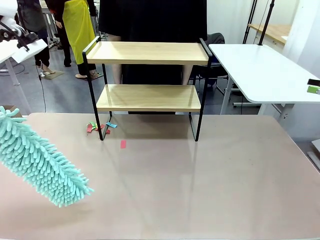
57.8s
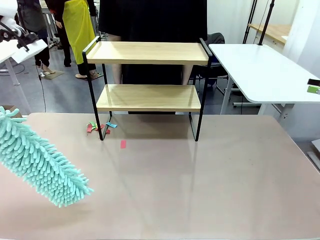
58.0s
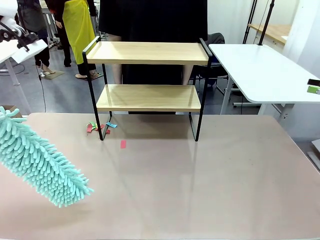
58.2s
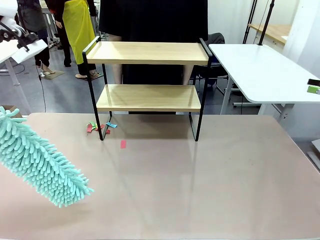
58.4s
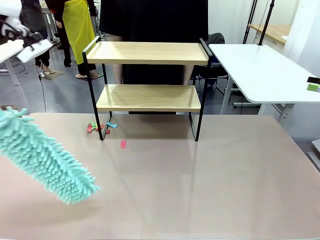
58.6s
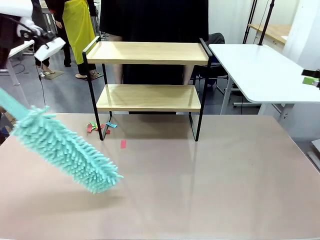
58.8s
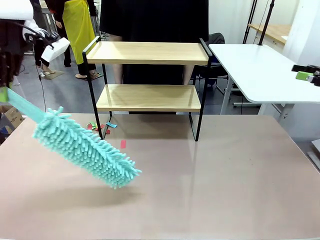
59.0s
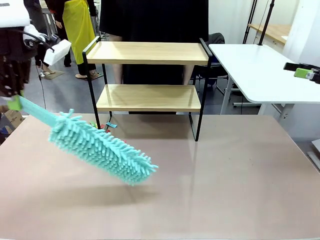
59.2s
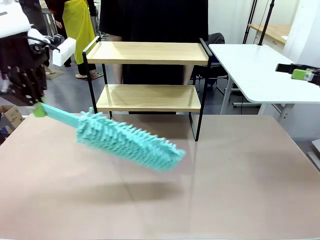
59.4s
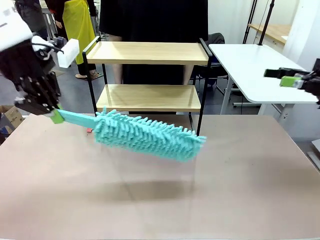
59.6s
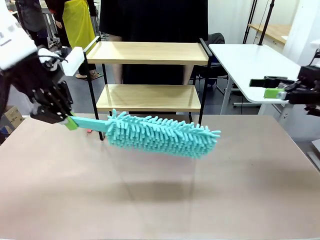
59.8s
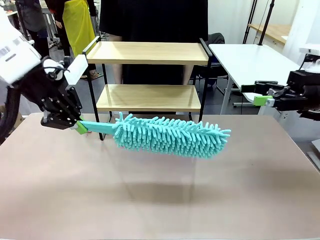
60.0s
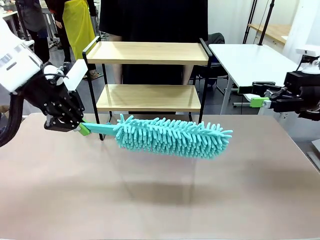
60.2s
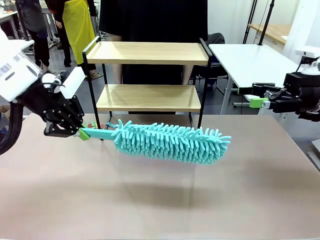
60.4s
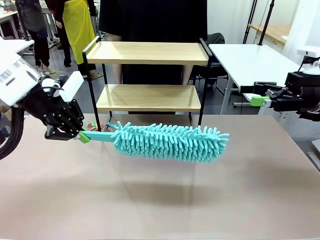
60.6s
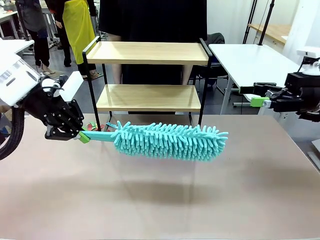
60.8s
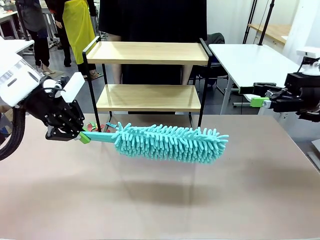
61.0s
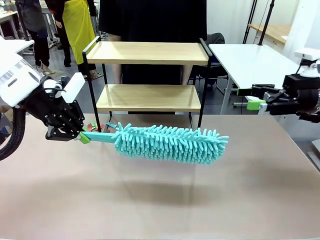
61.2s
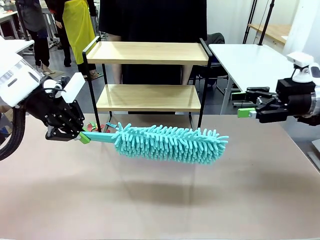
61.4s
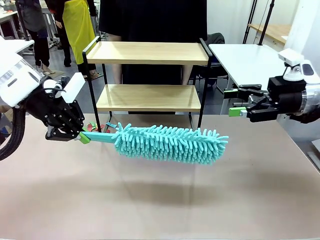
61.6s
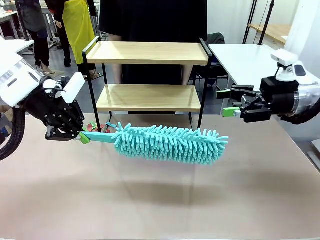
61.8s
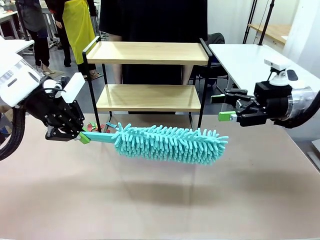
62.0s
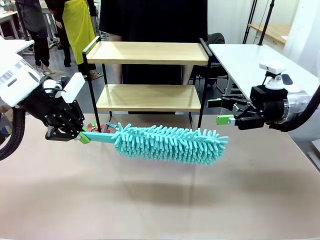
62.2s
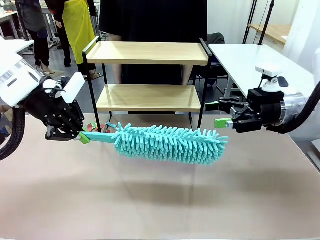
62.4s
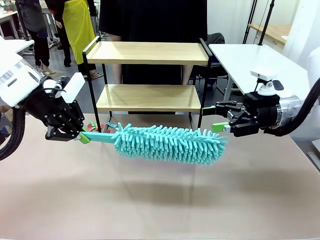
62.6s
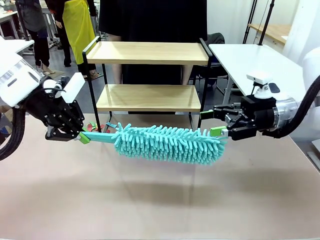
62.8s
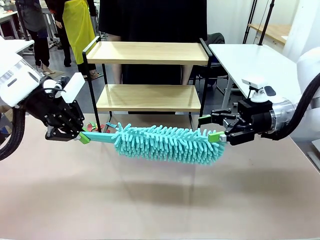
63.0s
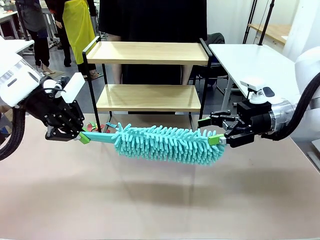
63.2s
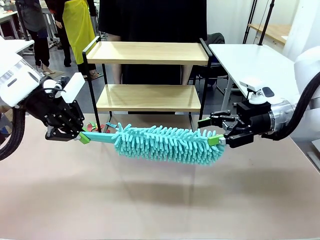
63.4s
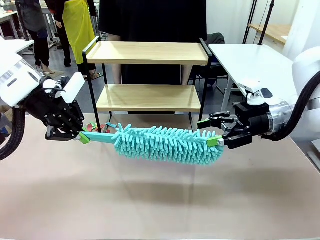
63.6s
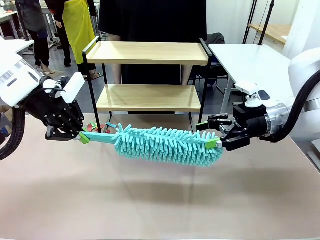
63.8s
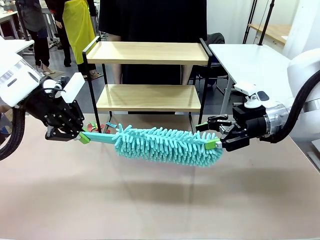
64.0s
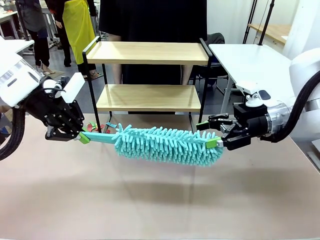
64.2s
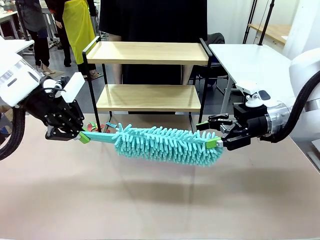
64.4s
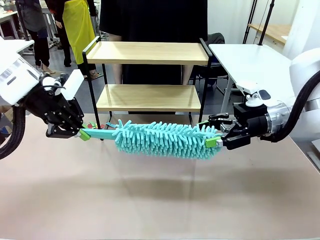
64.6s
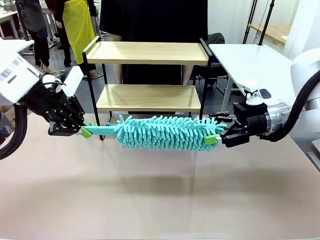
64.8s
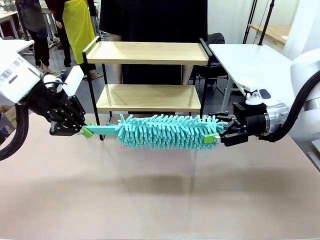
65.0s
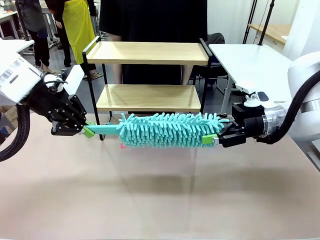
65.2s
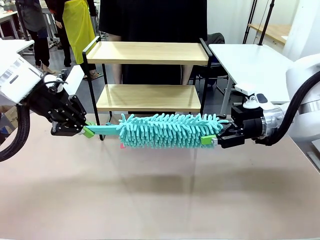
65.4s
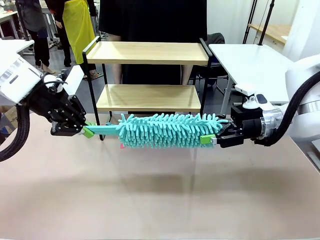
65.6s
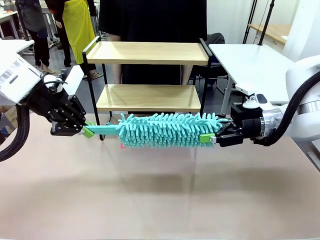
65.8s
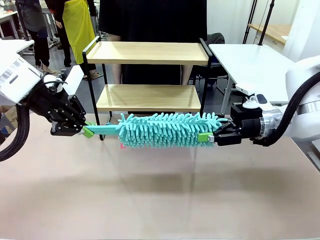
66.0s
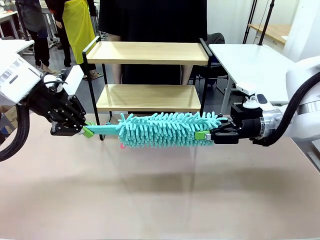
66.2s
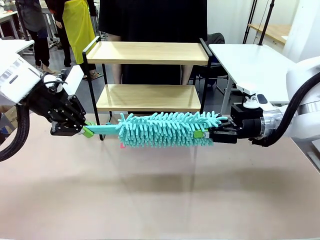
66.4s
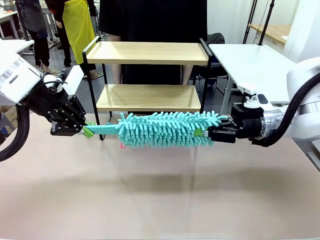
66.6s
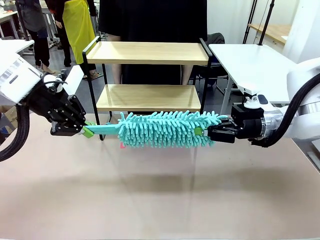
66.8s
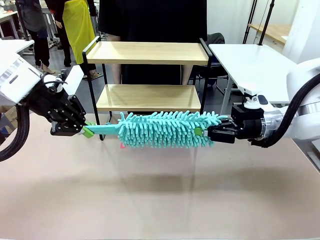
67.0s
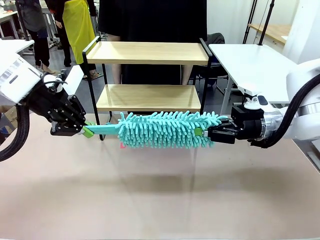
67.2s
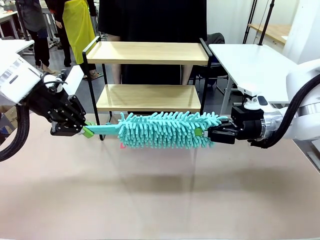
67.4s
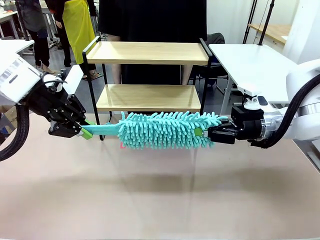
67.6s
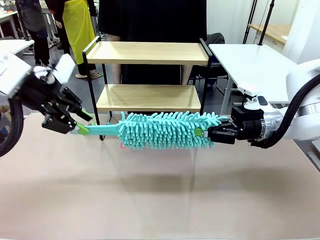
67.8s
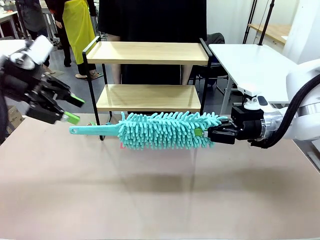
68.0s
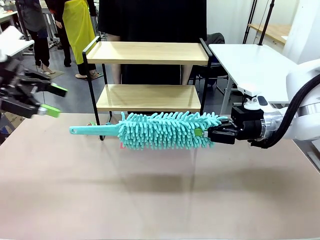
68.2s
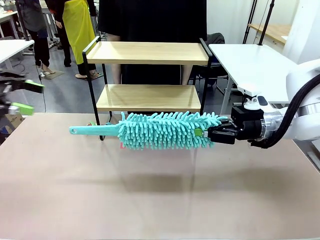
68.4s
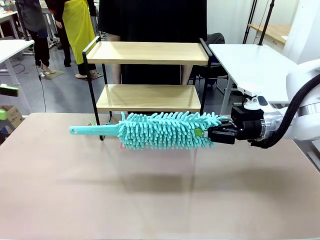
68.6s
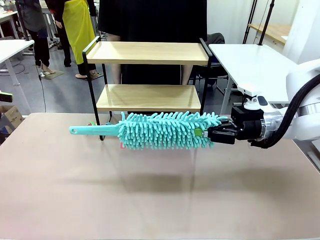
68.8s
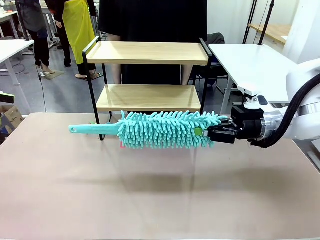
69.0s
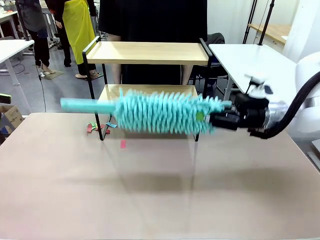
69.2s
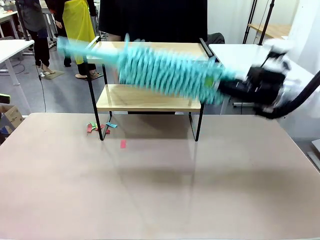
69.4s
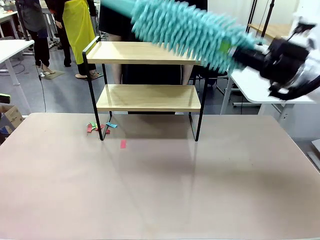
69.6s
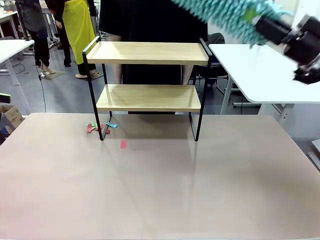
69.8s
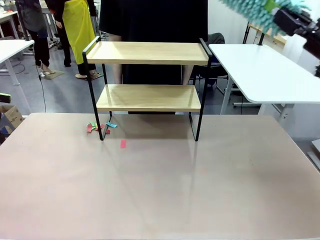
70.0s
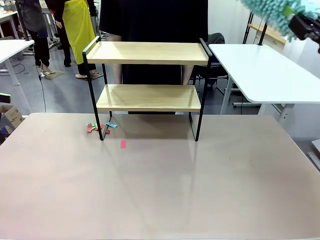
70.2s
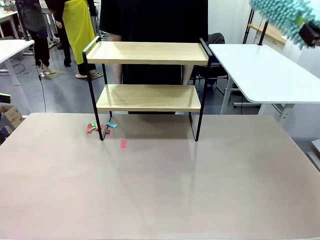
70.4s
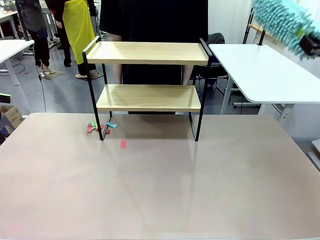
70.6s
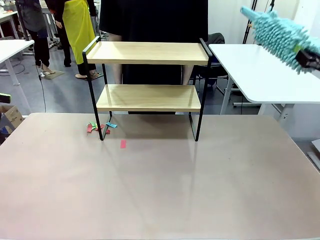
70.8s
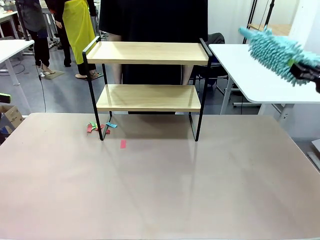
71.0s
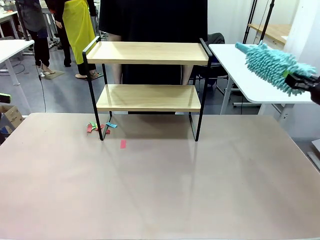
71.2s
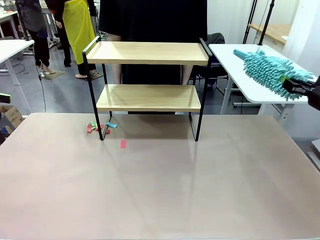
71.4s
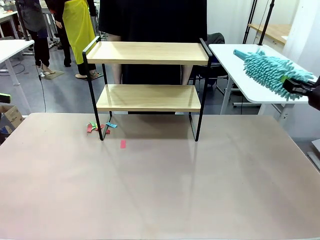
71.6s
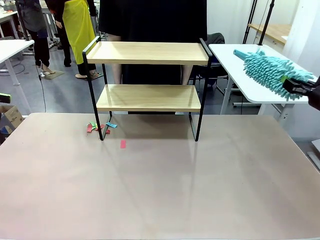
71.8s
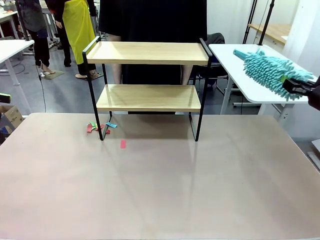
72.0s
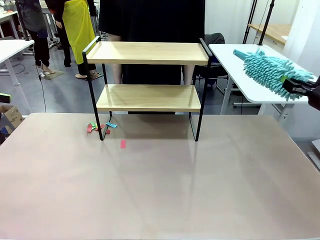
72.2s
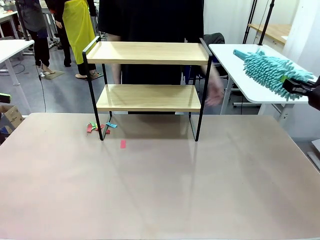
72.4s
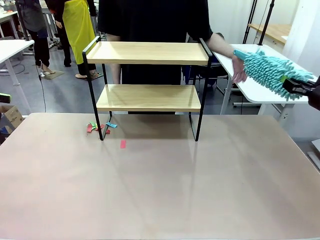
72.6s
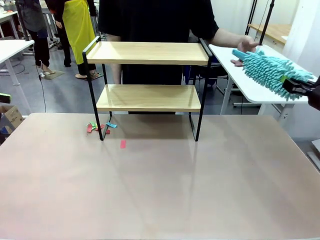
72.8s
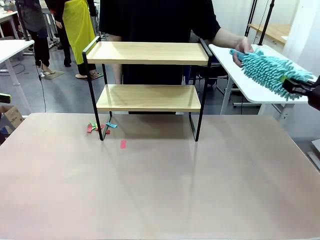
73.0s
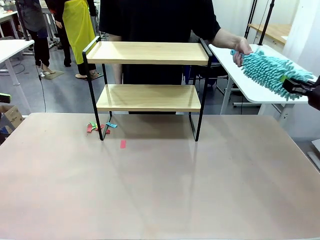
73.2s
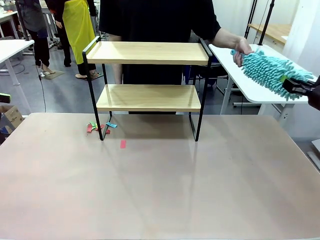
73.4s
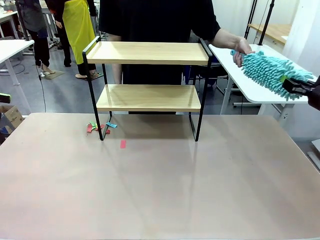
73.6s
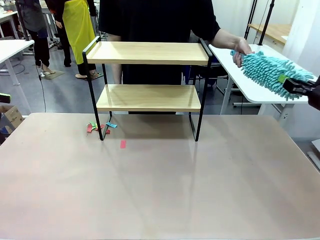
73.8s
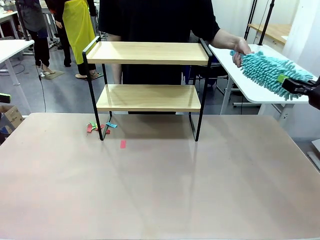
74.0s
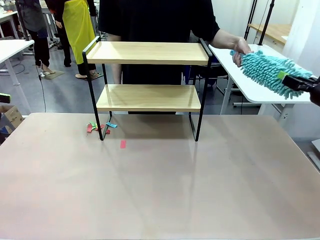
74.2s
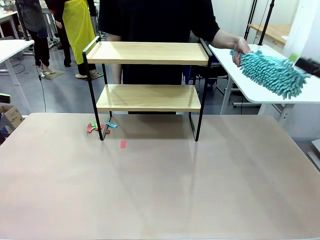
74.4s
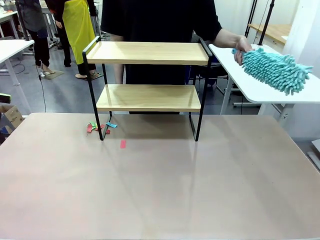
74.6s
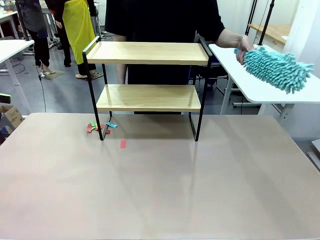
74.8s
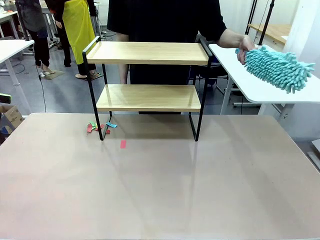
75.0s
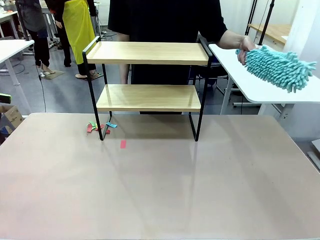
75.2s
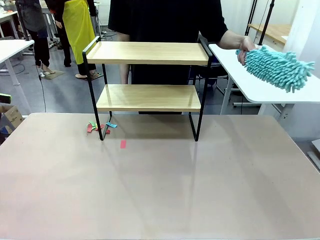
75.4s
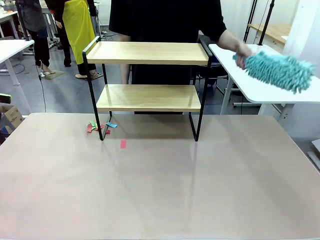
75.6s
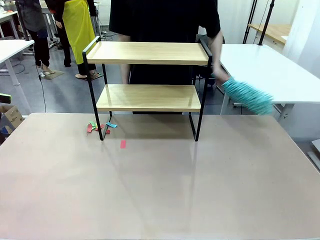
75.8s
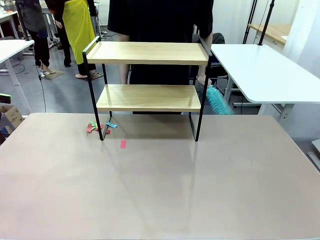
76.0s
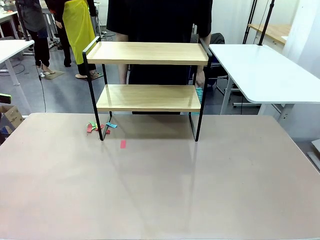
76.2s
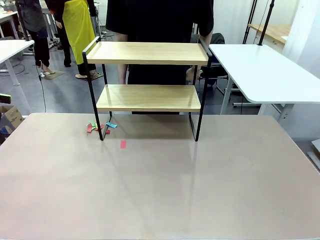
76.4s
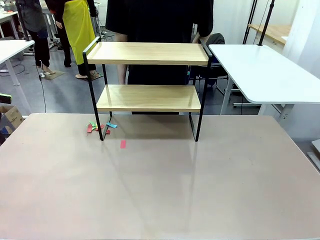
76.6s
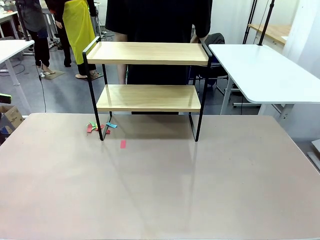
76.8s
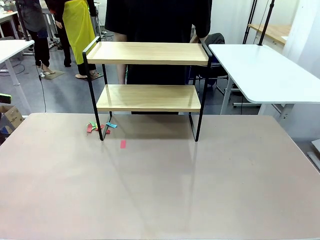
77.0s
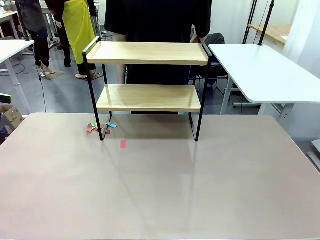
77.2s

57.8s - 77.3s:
Task: Clean the shelf.
Robot: Hand the Duster back to the human.
Person: Receive the Duster from the robot.
